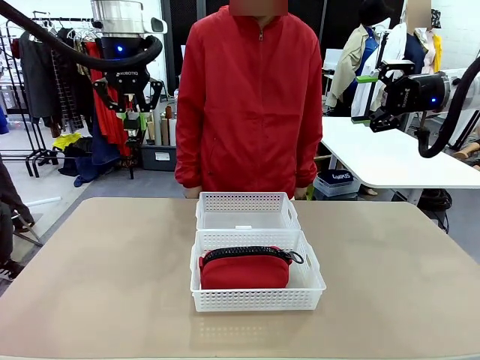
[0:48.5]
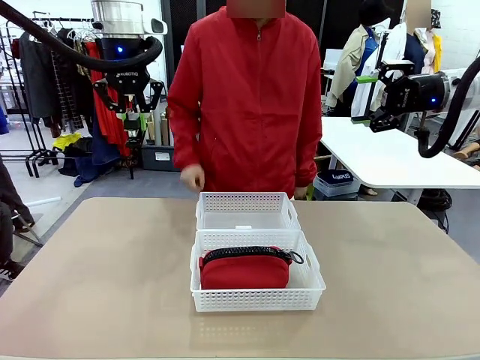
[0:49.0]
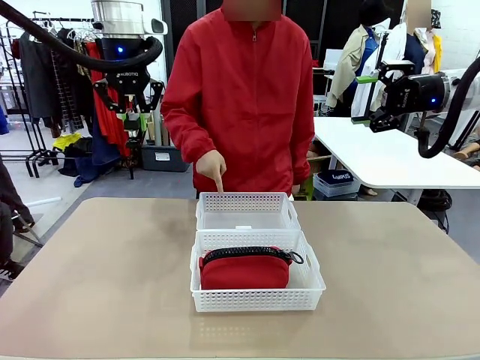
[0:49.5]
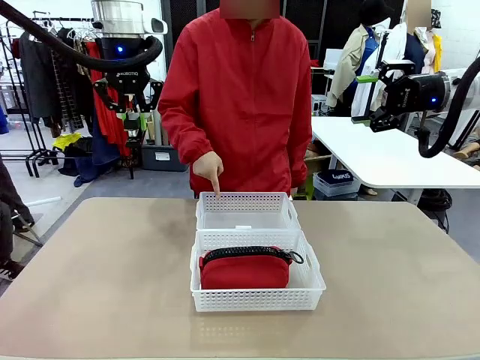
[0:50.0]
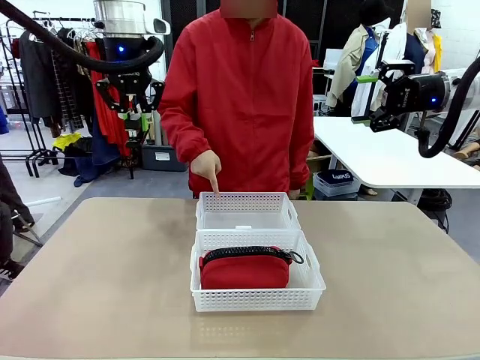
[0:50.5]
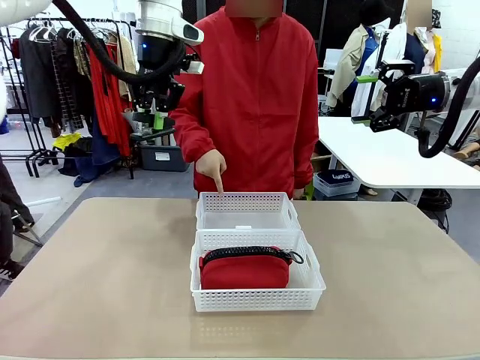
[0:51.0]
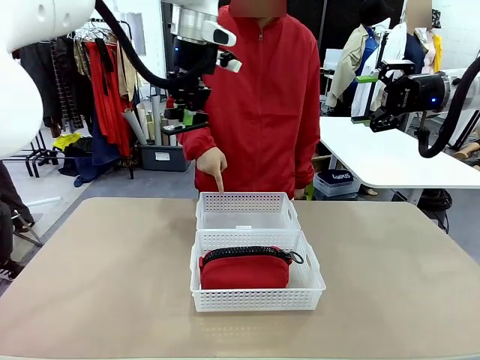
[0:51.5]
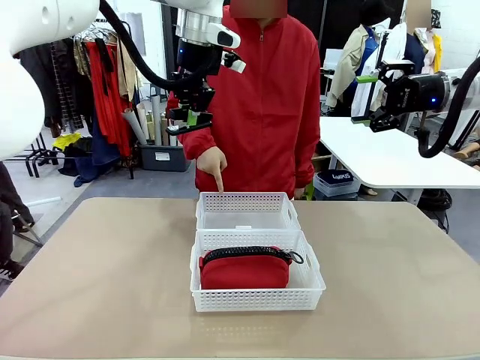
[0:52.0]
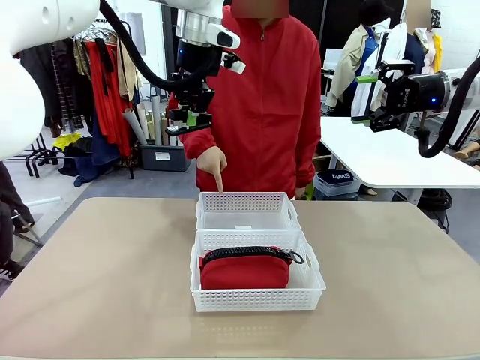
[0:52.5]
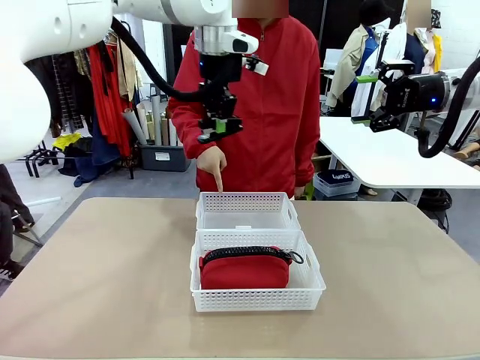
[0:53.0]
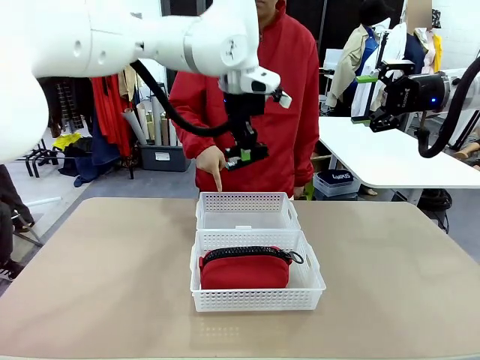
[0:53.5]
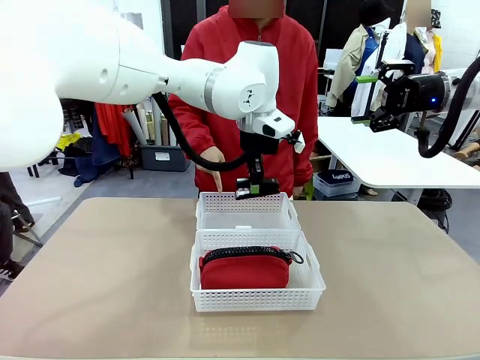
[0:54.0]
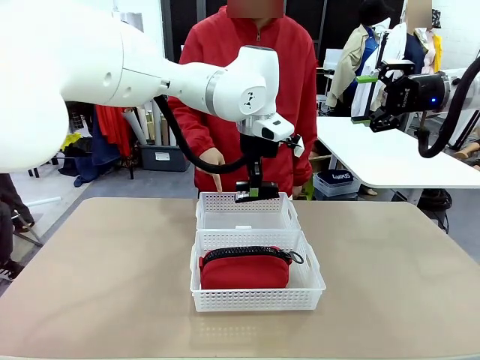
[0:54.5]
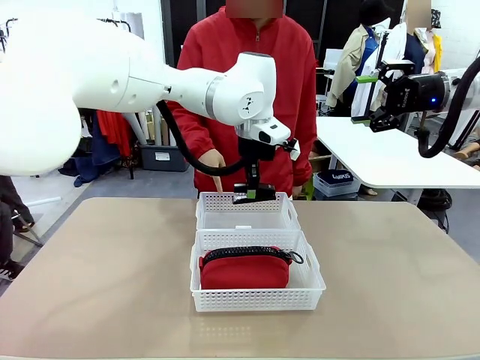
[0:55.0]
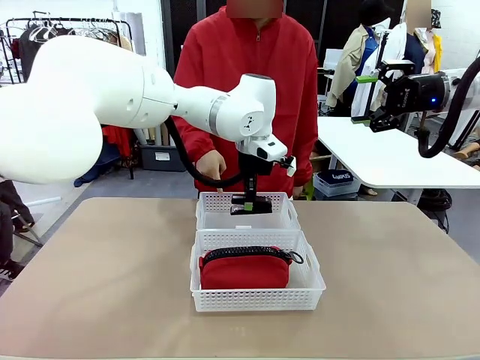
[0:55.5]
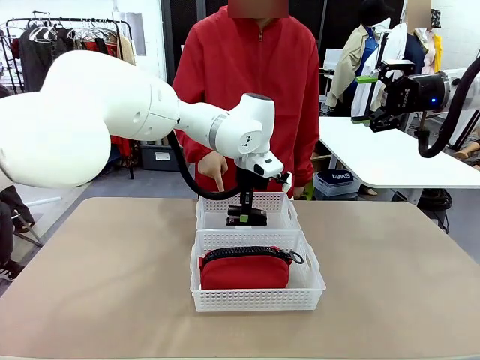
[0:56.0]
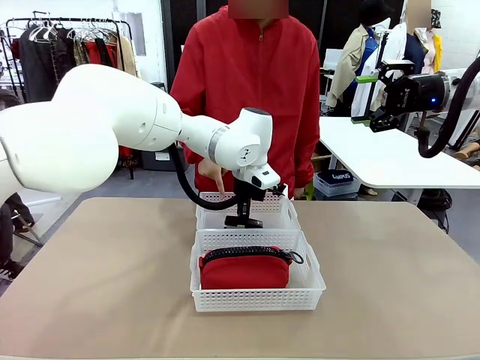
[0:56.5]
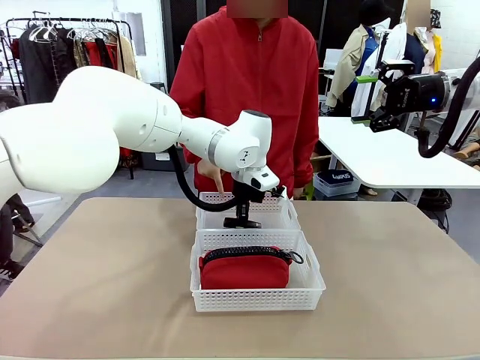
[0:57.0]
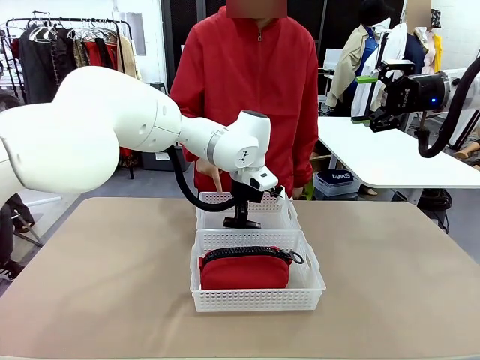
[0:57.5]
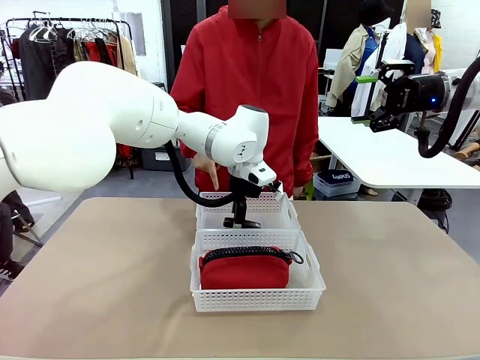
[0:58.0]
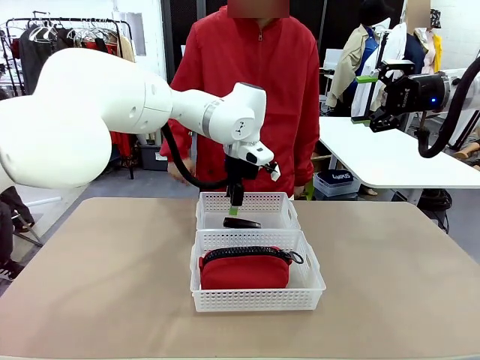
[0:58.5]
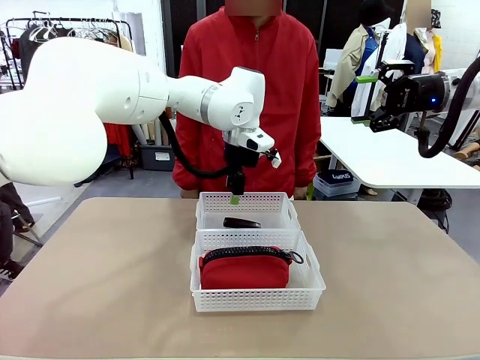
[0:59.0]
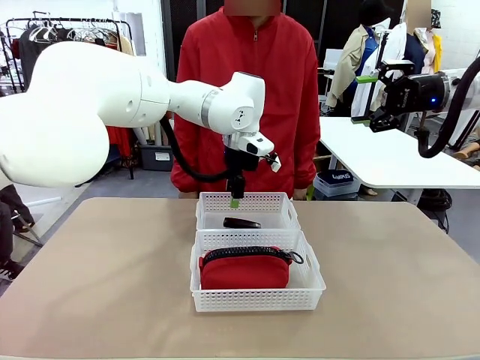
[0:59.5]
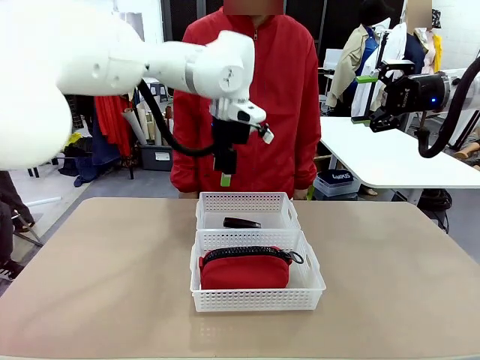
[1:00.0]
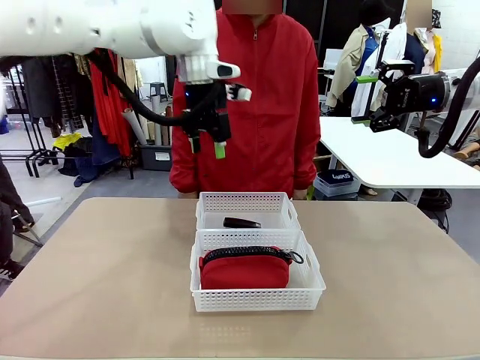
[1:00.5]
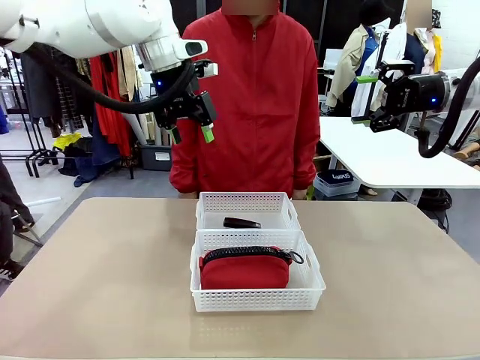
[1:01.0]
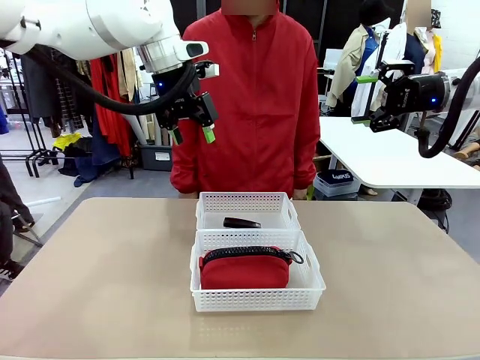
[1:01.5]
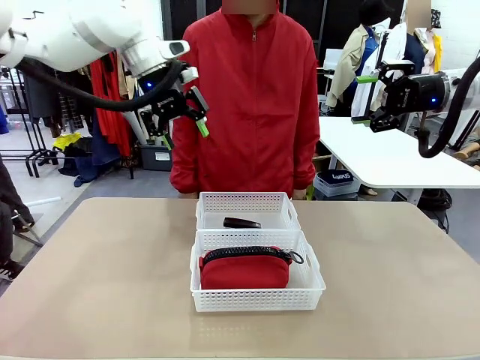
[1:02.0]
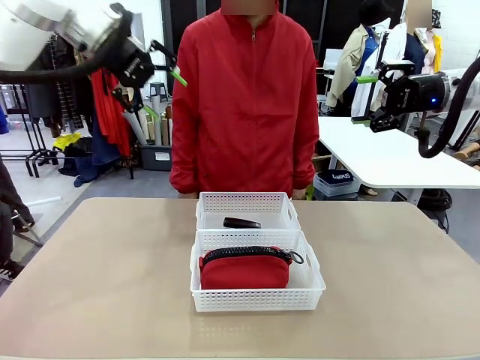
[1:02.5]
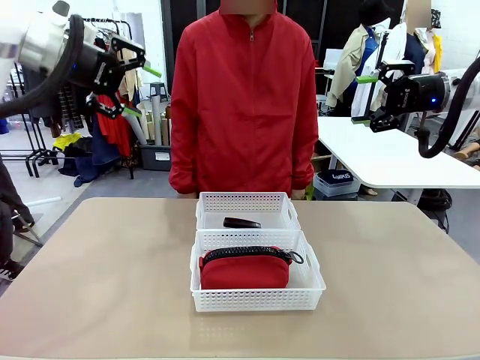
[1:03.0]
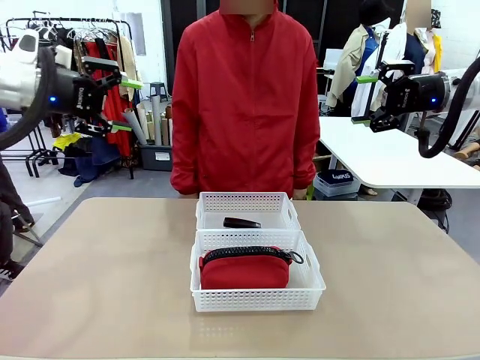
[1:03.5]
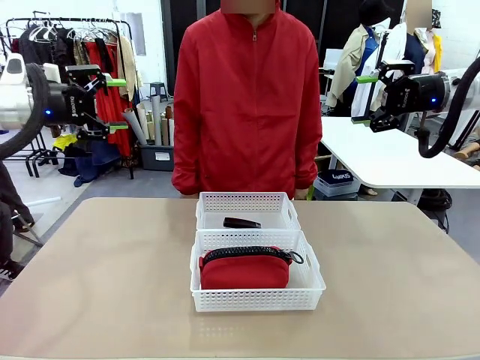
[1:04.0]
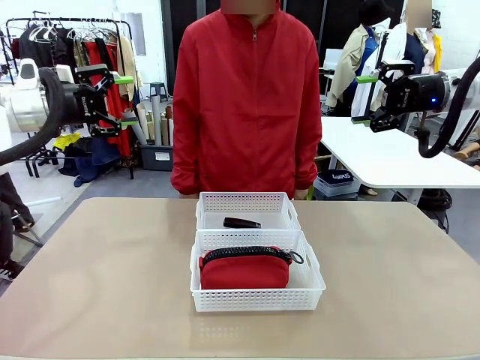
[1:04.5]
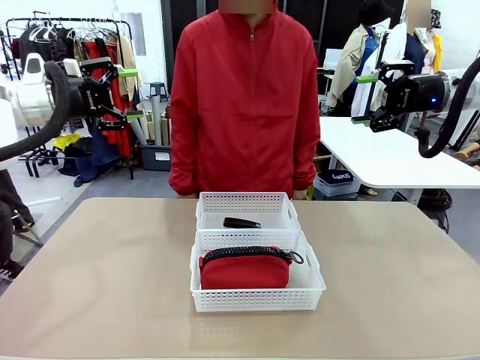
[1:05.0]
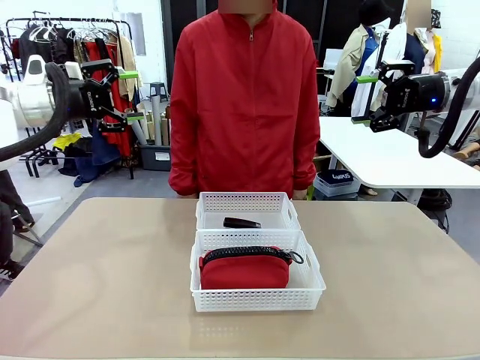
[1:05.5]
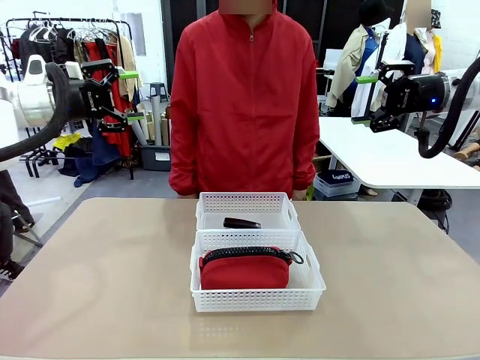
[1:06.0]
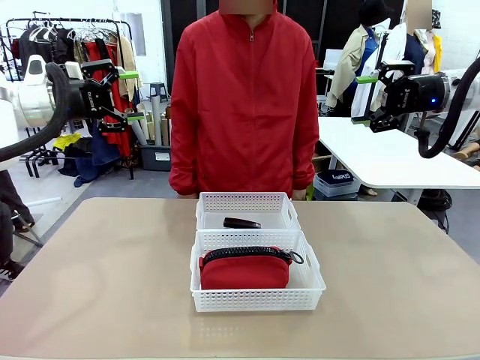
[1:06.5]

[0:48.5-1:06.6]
Task: Distribute items into two baskets.
Robot: Place the picked Stapler into the Organizing basket as instructed by the person.
Person: Points to the basket that does not contain the pencil case and instructs the robot to move the stapler there.
